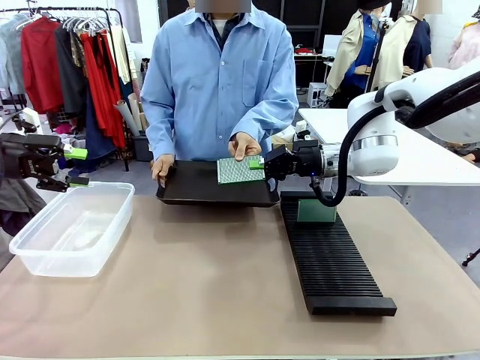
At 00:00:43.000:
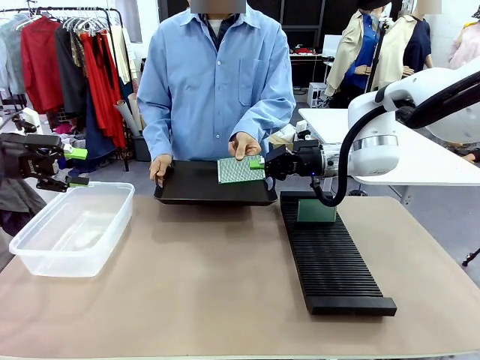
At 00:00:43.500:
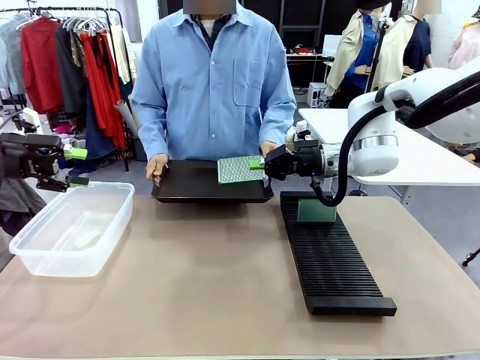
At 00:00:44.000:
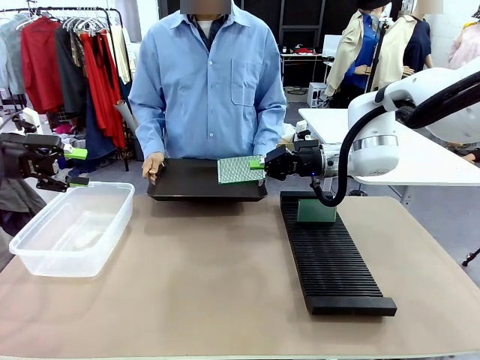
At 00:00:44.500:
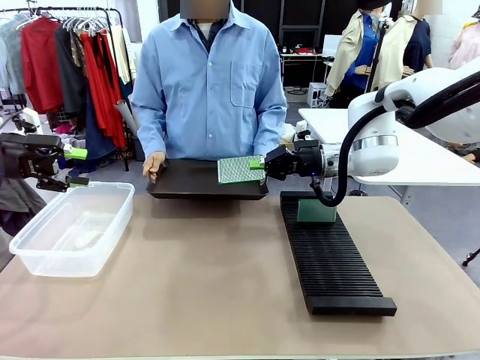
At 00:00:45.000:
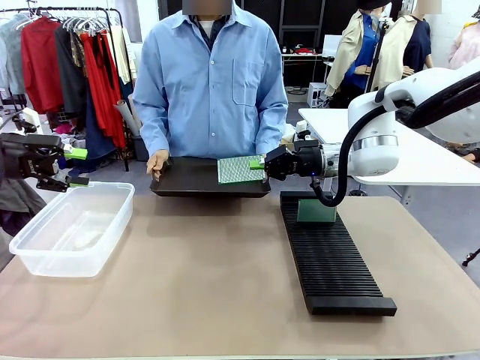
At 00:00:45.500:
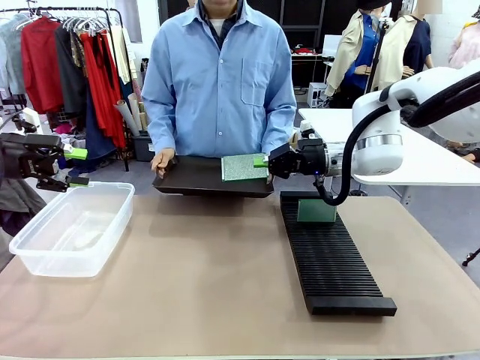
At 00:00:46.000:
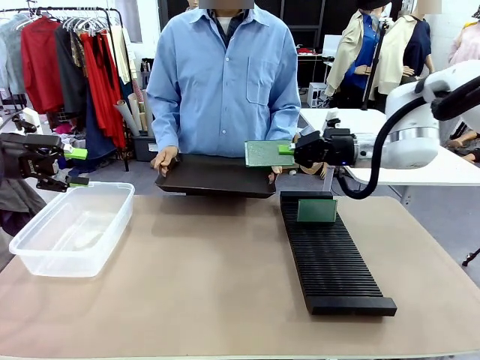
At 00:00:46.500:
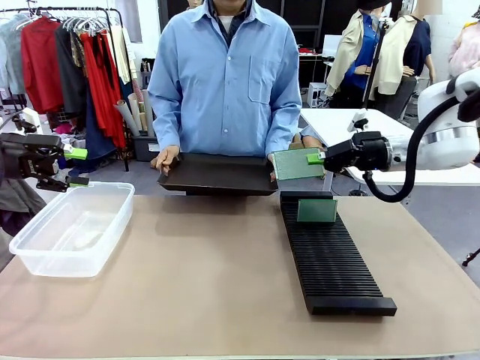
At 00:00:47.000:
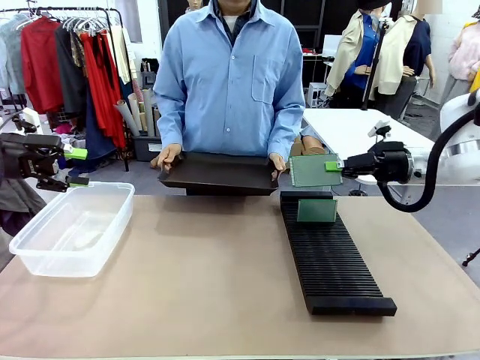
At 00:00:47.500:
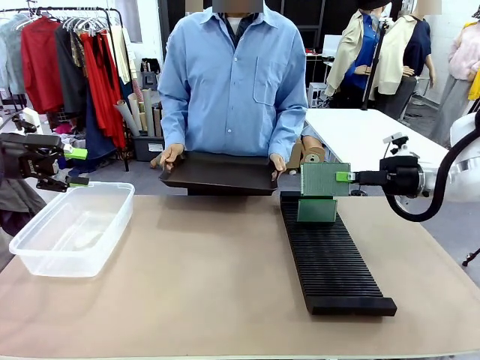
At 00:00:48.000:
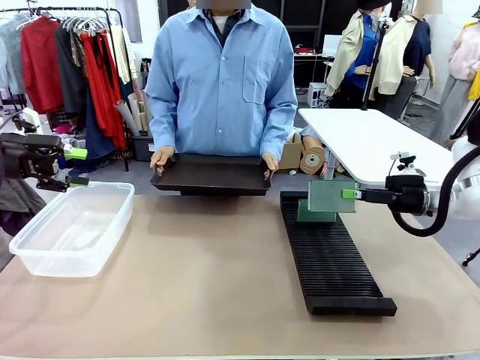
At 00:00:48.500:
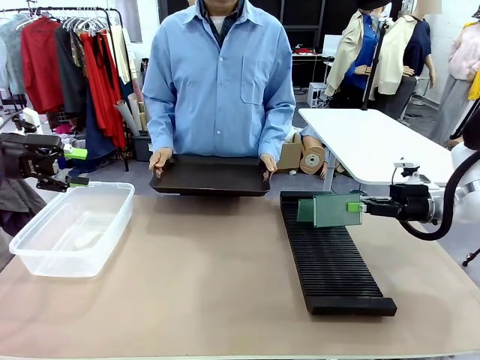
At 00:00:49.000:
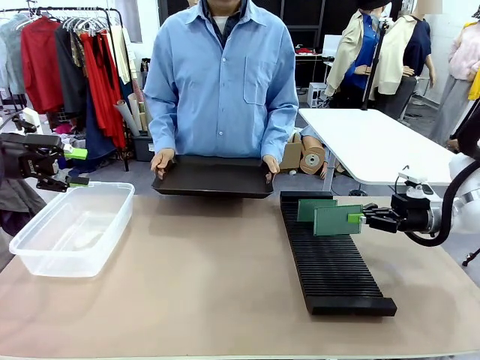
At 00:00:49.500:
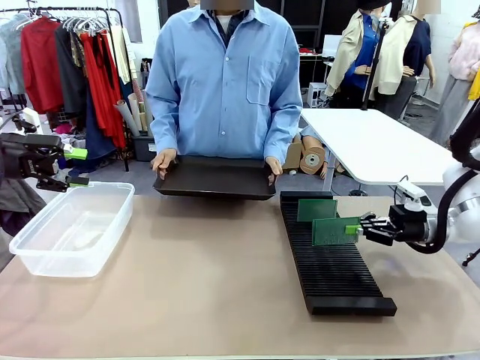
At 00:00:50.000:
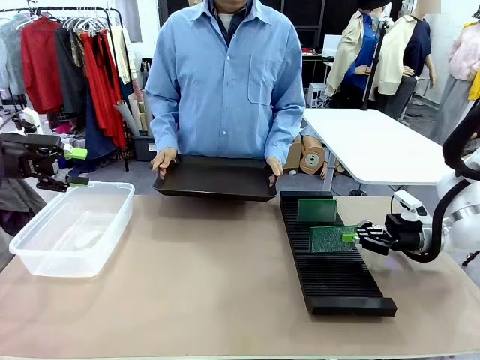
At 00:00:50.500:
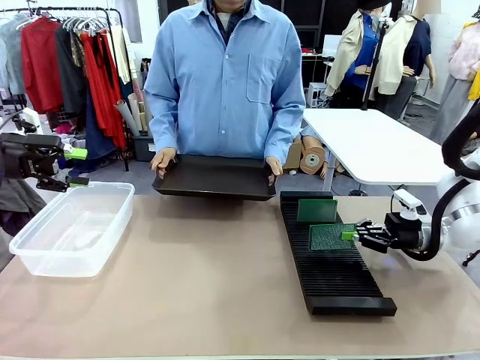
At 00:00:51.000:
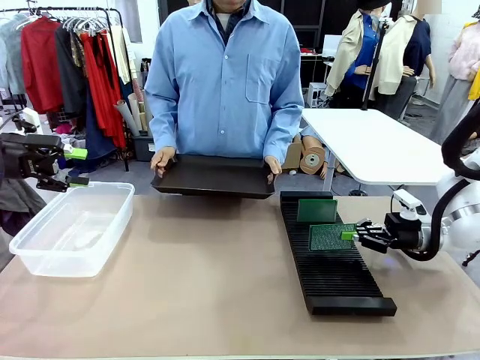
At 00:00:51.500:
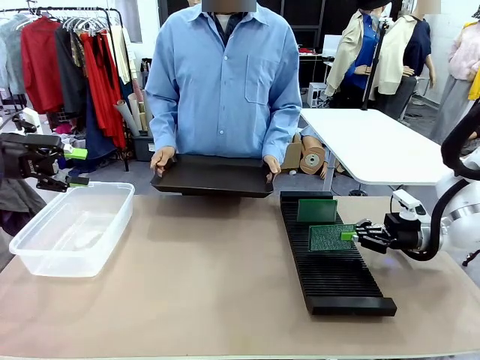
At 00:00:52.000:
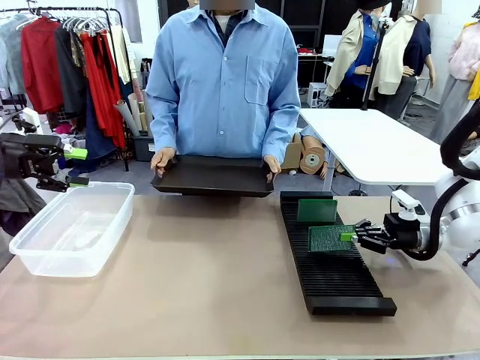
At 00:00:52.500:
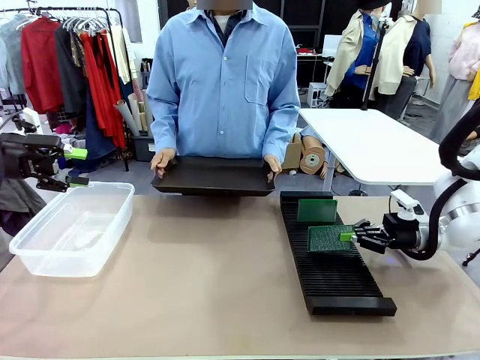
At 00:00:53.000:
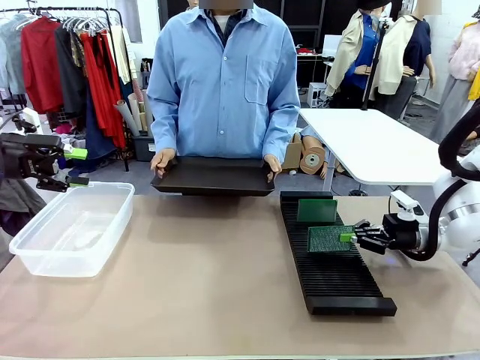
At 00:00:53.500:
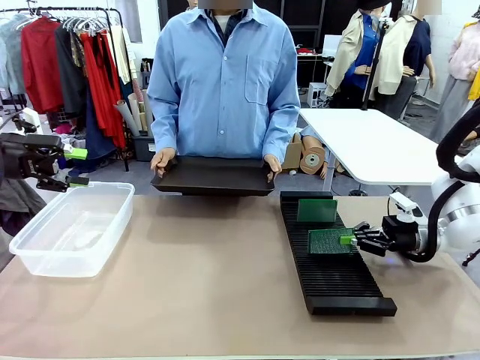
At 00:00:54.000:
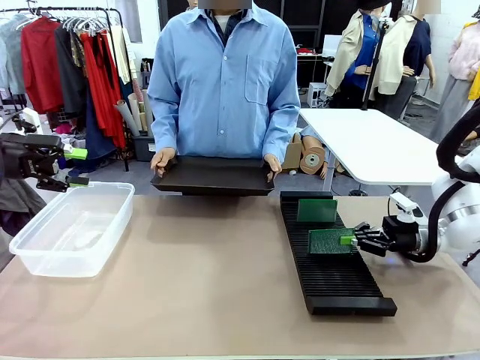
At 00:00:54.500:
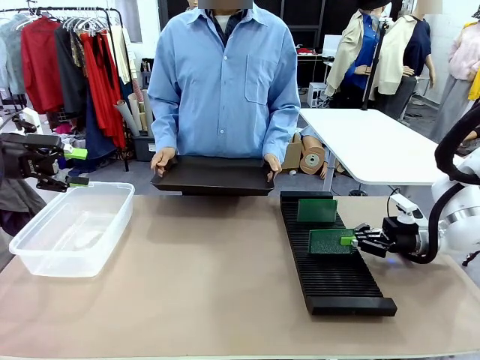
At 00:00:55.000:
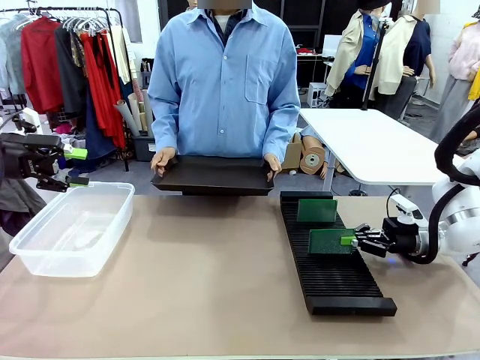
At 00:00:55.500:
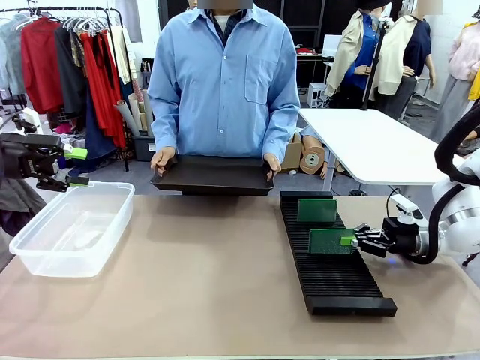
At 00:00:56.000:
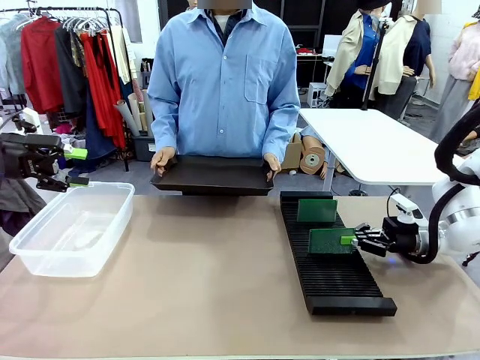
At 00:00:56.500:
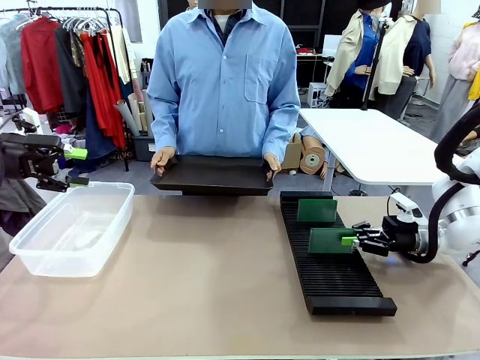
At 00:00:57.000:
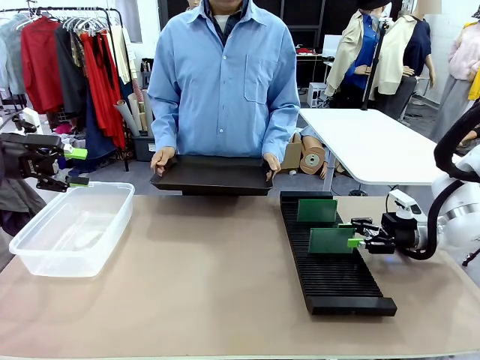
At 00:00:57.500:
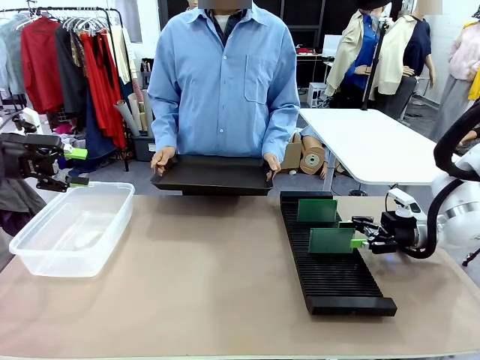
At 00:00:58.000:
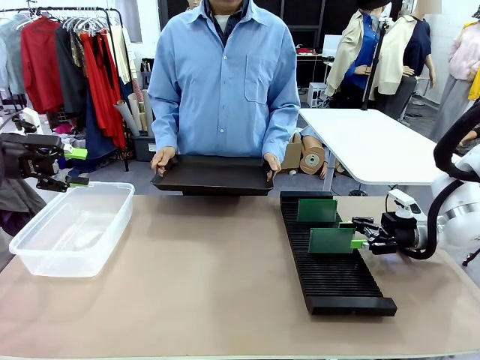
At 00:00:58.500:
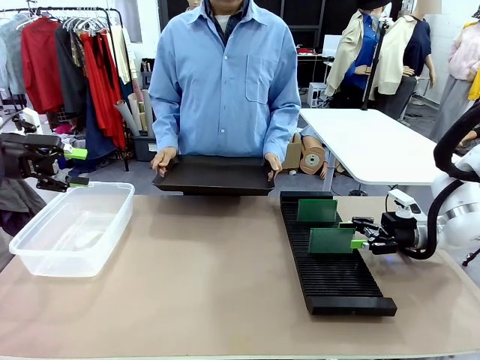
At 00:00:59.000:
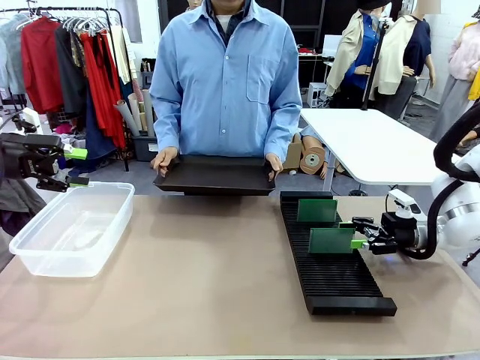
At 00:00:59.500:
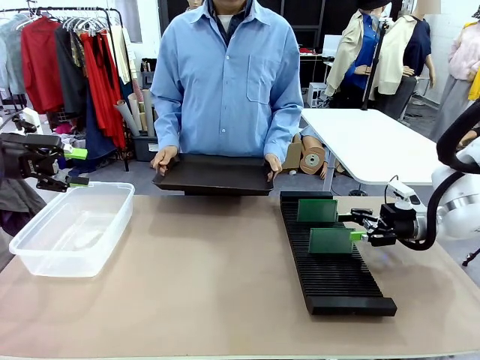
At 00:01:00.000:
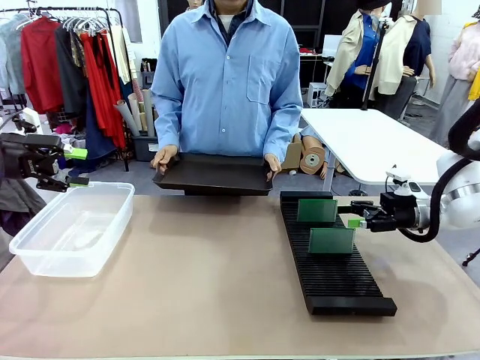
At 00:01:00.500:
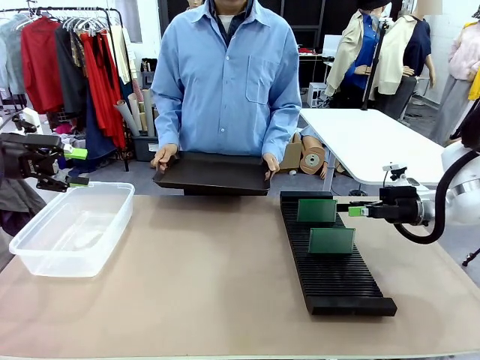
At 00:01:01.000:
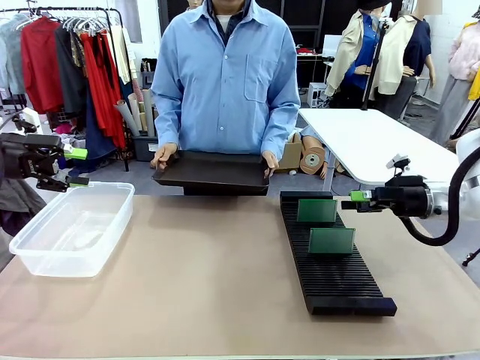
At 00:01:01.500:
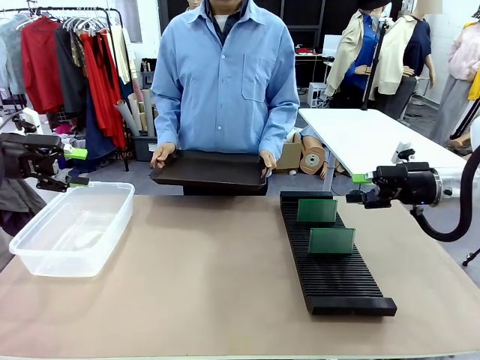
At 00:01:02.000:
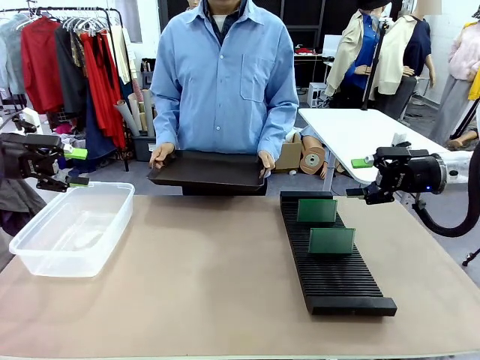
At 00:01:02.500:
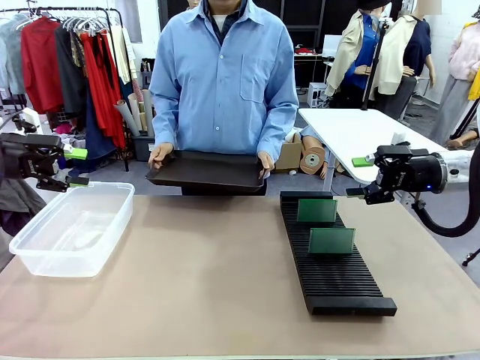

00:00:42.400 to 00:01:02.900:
Task: Sort PCBs into racks and boxes based on the side picked up.
Robot: If the short side of the Blank PCB is picked up, insert it into the PCB Rack ; if the long side is picked up, place it in the Organizing box.
Person: Release the PCB being held.

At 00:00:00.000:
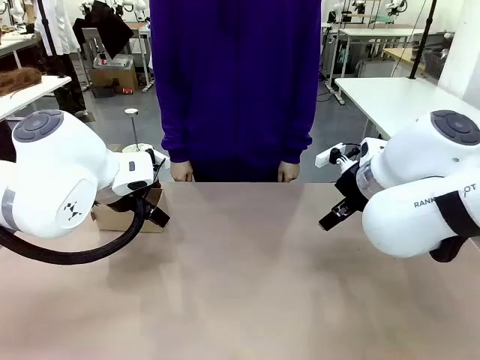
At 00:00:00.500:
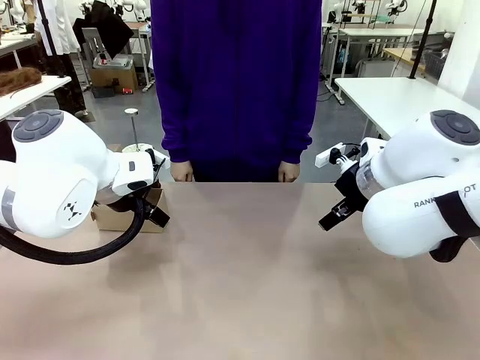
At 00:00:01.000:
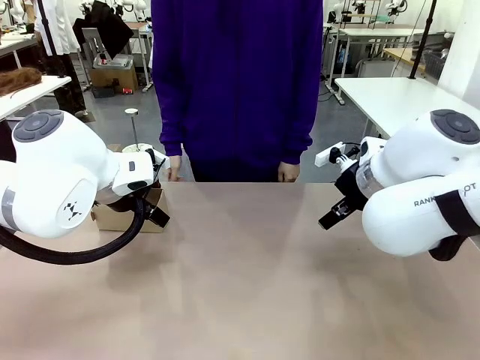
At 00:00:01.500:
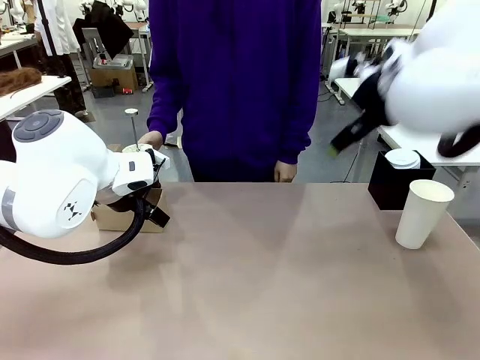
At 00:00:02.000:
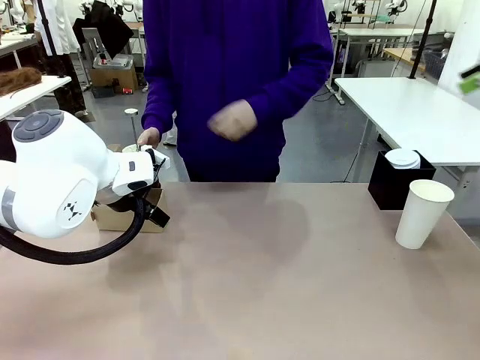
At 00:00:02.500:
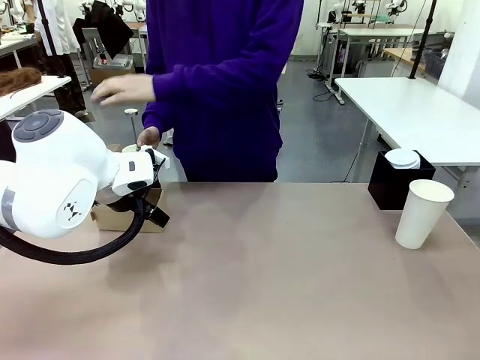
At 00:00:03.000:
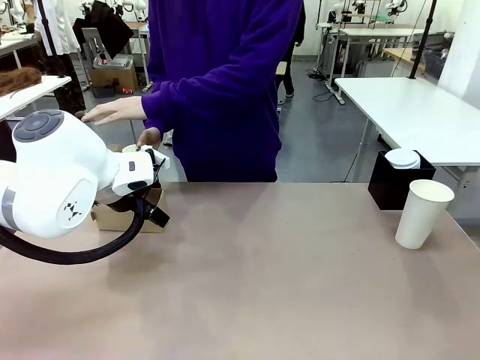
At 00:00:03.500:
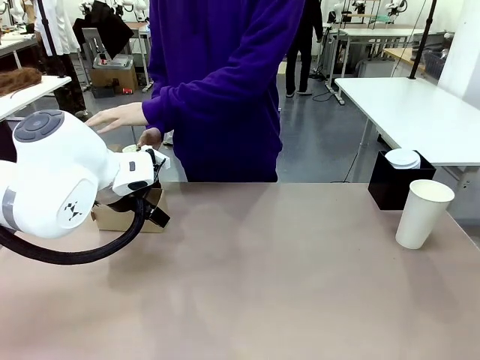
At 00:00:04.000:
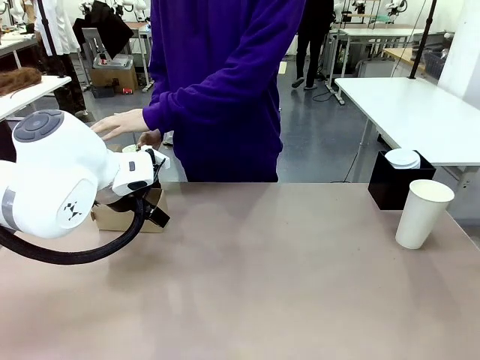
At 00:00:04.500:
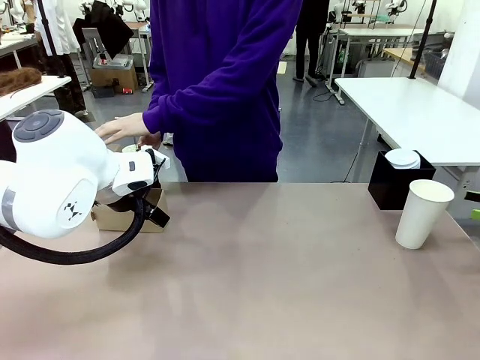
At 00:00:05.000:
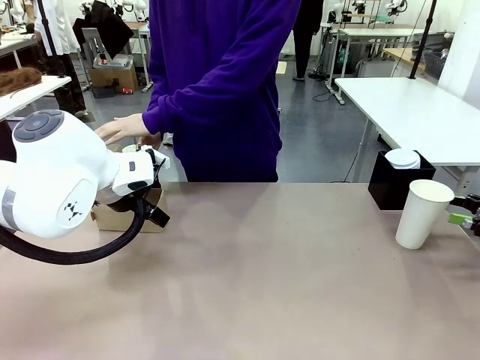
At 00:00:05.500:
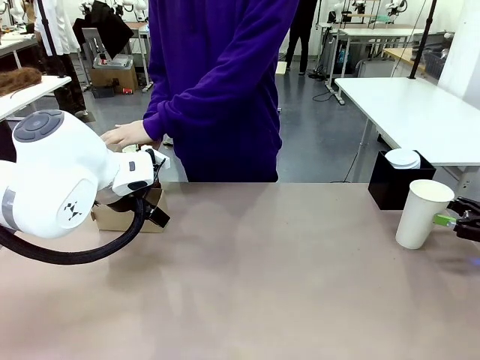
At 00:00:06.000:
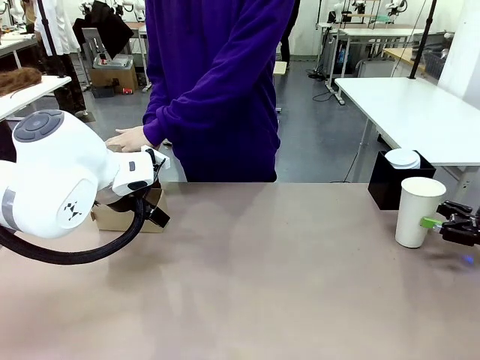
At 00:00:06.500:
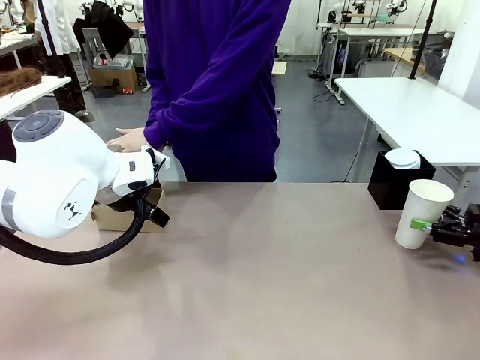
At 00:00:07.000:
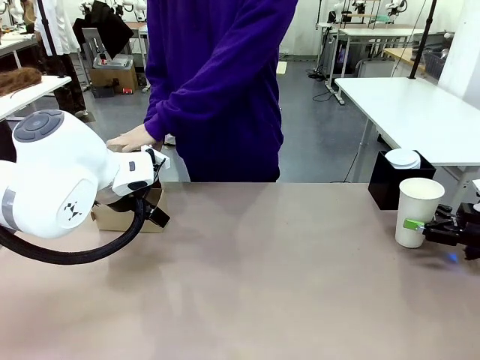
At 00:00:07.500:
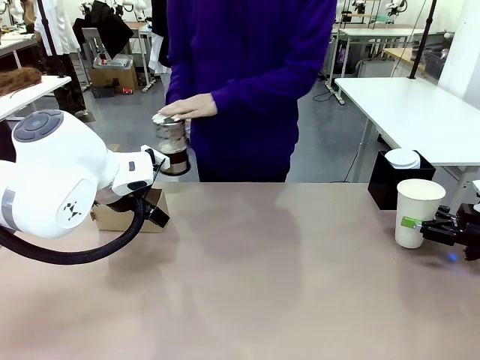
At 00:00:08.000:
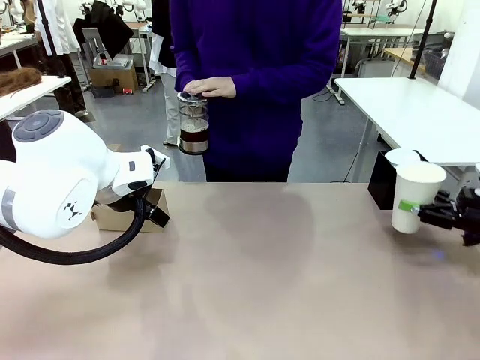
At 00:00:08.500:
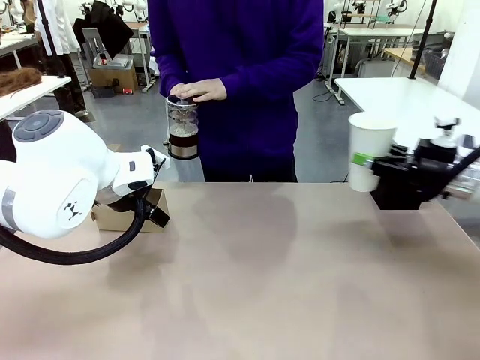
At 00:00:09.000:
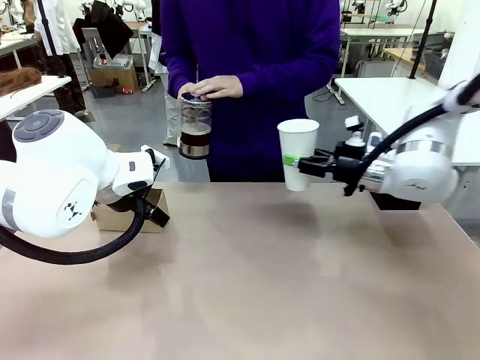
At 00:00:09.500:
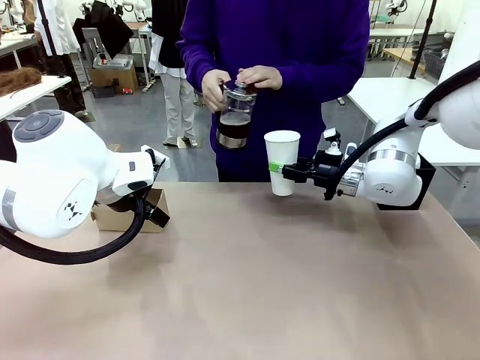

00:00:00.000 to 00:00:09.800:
Task: Pour a drink into a cup and package it in a carrier.
Robot: Pick up the 600 ml Paper Cup and place it in the middle top area of the table.
Person: Press and pick up the Filter Brewing.
